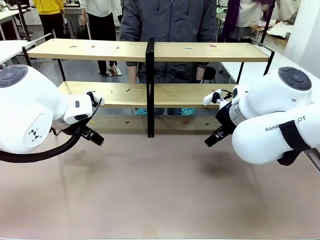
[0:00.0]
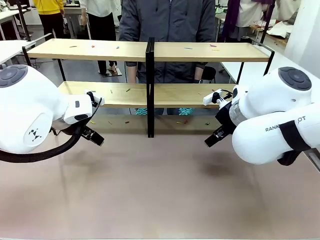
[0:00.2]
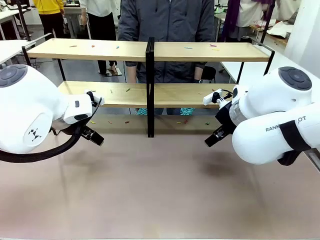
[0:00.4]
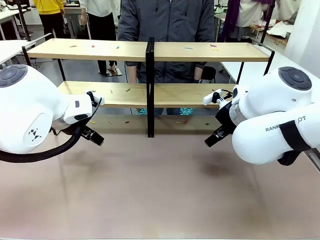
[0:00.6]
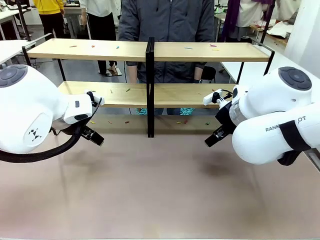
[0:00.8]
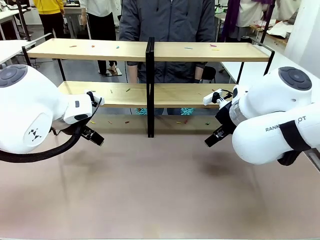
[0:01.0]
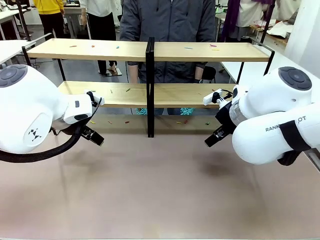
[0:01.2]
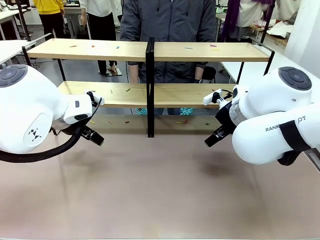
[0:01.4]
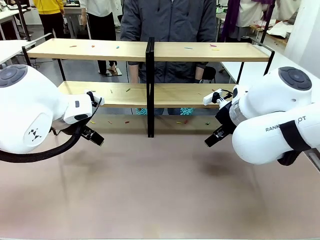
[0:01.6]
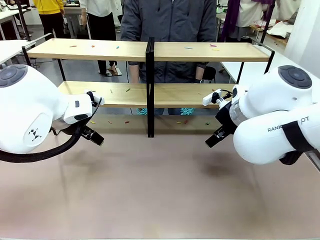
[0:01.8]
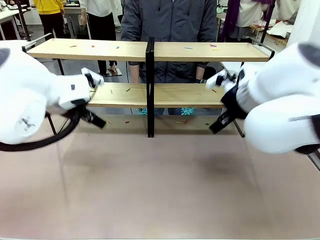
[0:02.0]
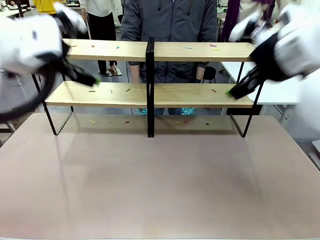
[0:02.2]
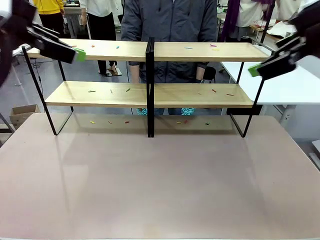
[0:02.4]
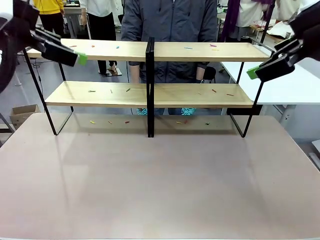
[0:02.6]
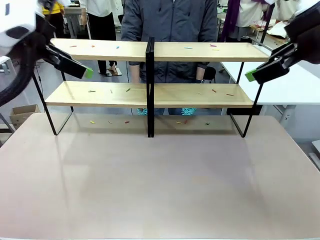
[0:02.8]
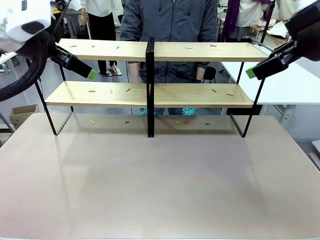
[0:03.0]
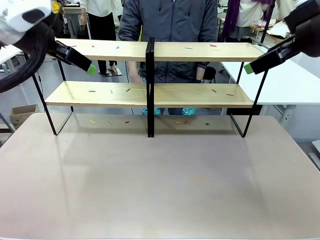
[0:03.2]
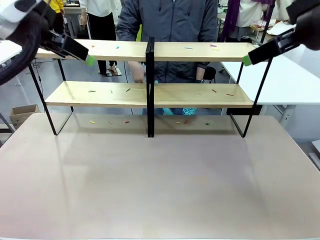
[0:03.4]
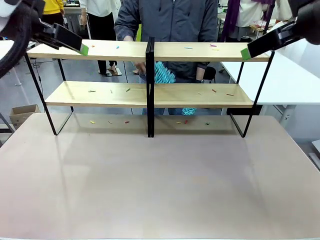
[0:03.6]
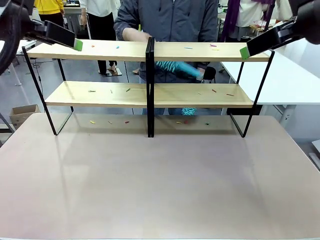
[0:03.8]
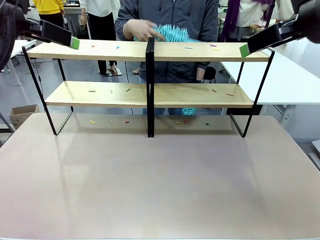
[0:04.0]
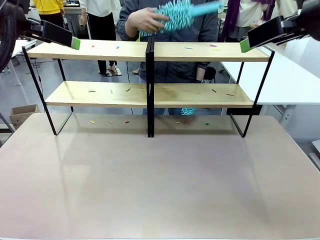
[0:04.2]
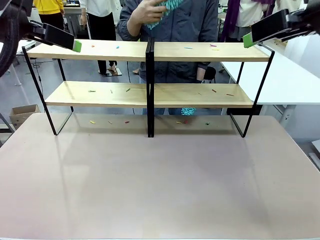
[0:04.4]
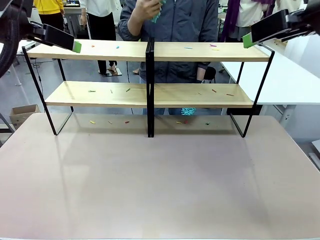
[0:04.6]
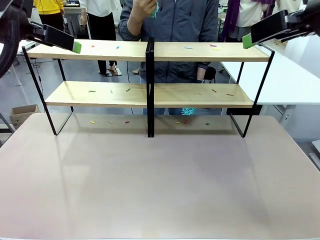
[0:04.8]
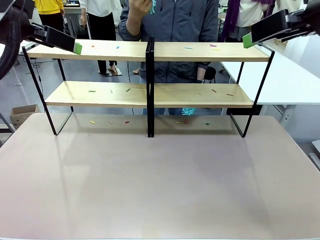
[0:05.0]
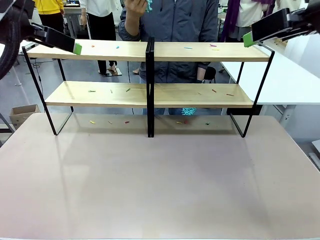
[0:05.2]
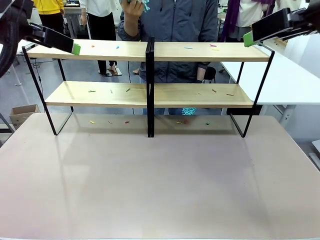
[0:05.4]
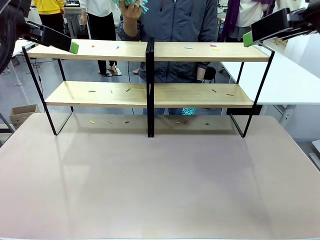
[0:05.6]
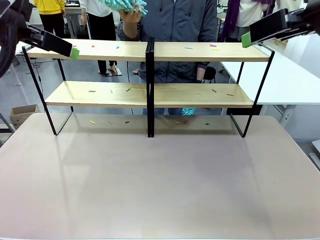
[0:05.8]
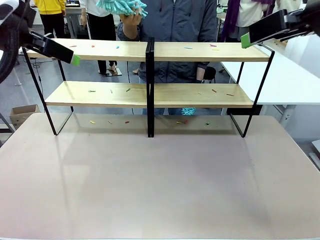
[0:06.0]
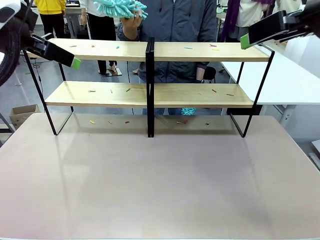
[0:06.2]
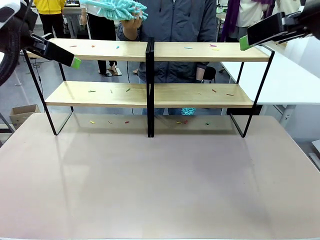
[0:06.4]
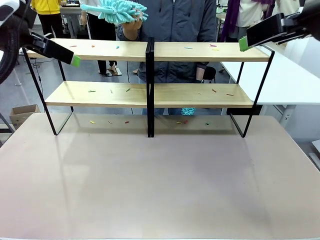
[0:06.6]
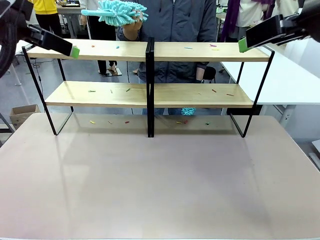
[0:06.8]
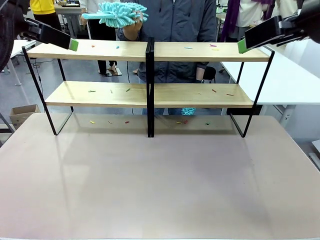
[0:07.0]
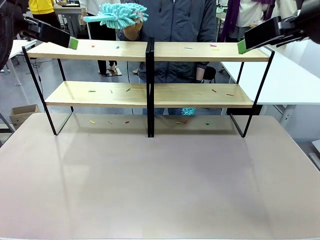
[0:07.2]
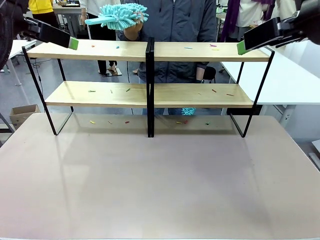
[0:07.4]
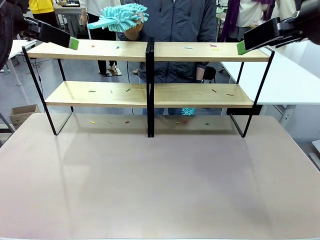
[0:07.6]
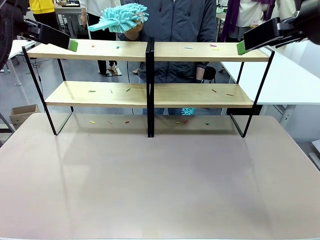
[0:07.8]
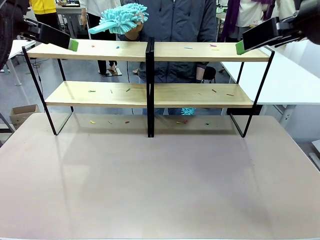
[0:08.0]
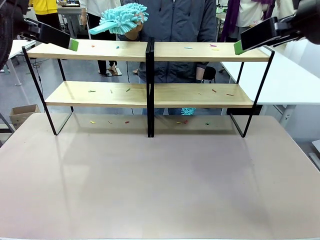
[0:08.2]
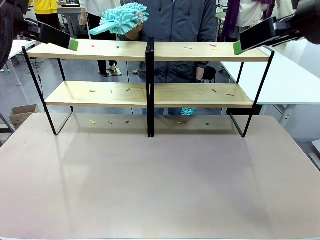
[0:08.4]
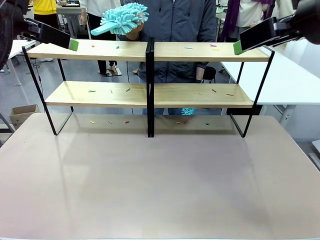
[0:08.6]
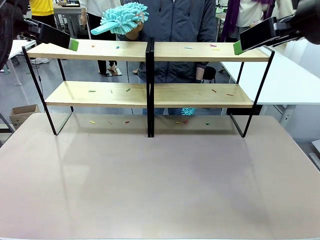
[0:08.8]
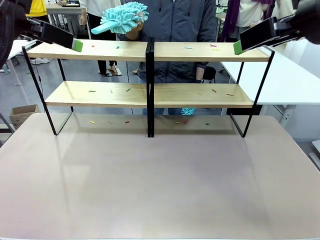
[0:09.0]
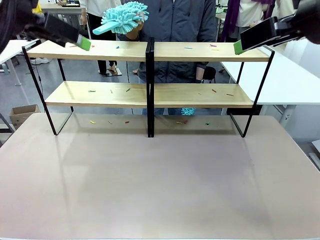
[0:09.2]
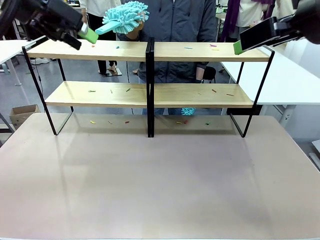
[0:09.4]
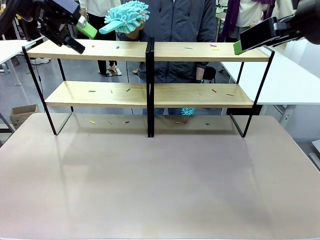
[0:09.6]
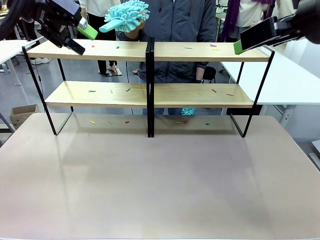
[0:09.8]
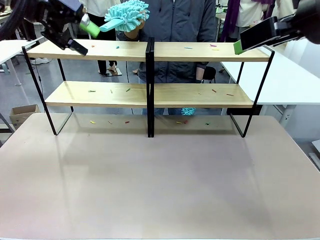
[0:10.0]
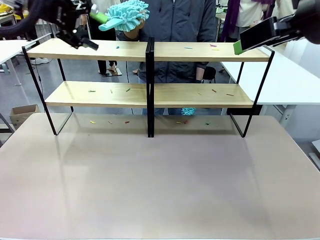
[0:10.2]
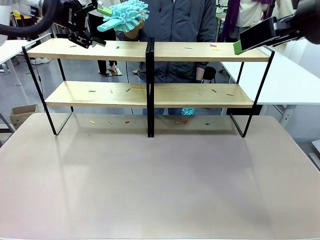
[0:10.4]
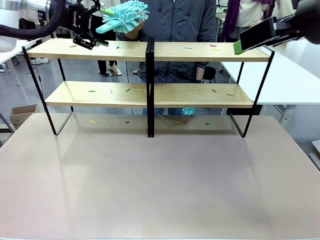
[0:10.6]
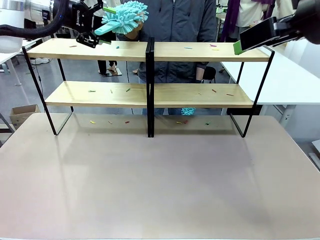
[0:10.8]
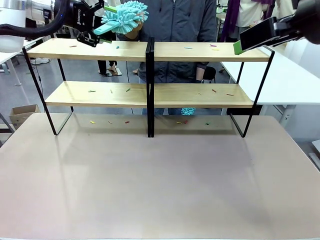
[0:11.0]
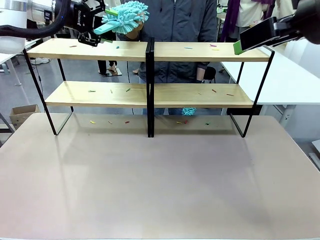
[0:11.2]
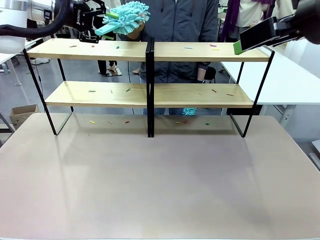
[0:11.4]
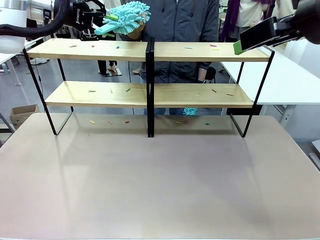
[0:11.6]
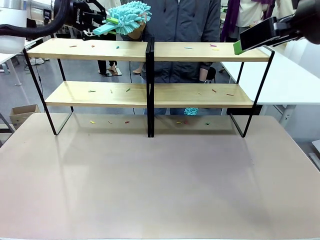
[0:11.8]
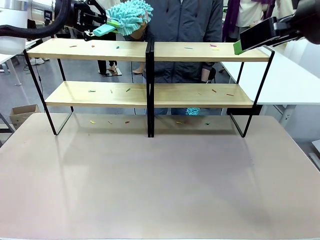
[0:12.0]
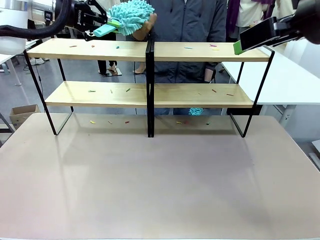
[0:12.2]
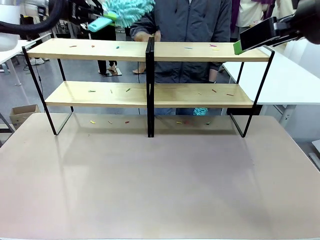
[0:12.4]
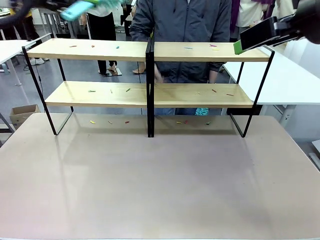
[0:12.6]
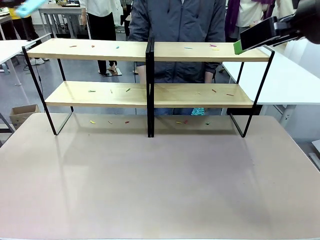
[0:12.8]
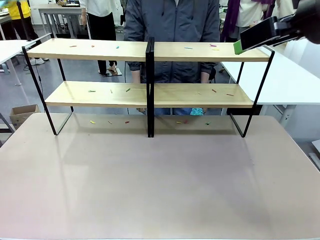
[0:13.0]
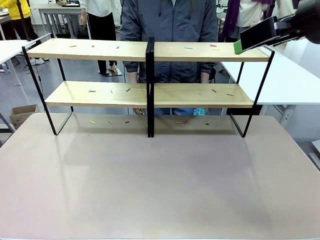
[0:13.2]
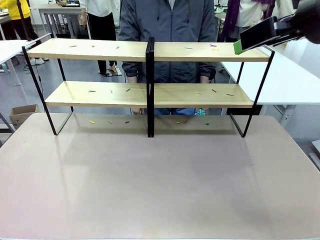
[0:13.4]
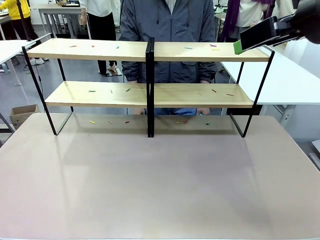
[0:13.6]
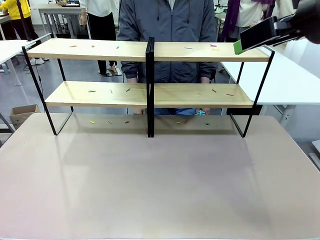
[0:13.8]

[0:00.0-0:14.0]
Task: Clean the shelves.
Robot: Pick up the Duster when the human hands it over.
Person: Hand the Duster to the robot with your right (or left) hand.

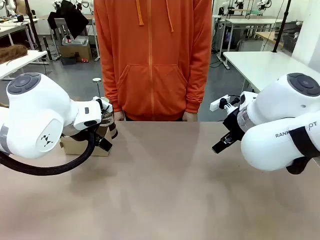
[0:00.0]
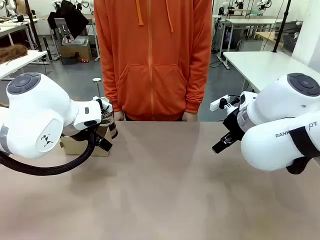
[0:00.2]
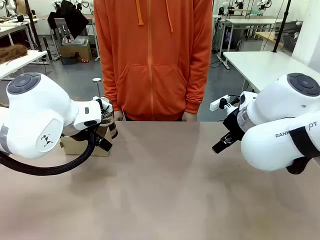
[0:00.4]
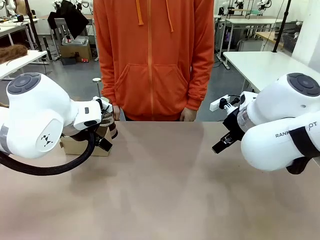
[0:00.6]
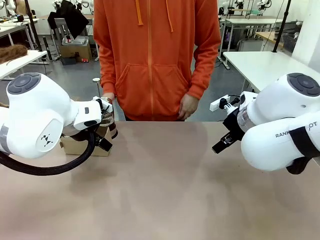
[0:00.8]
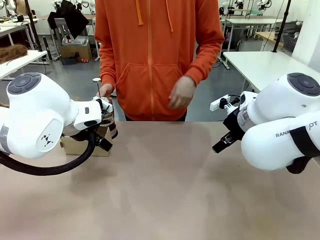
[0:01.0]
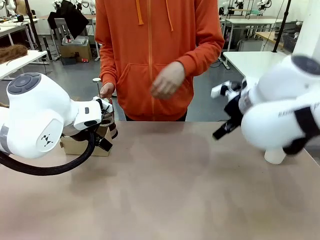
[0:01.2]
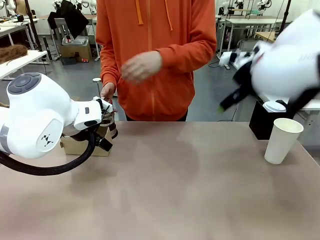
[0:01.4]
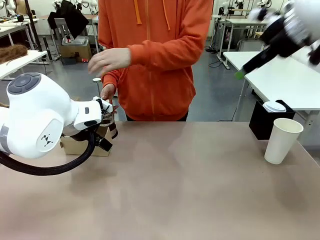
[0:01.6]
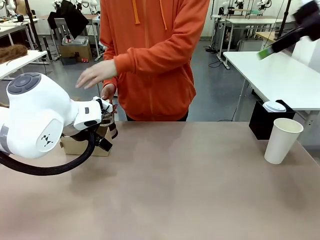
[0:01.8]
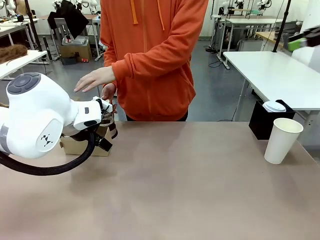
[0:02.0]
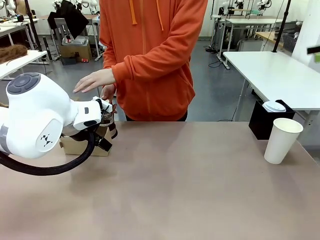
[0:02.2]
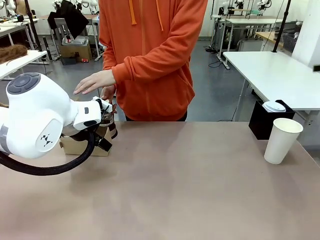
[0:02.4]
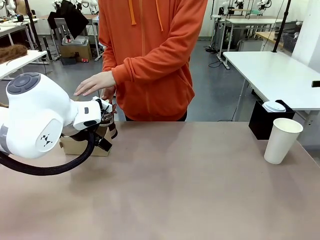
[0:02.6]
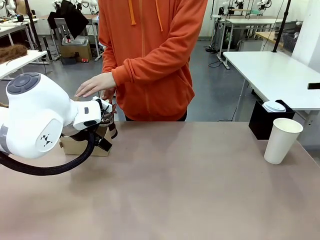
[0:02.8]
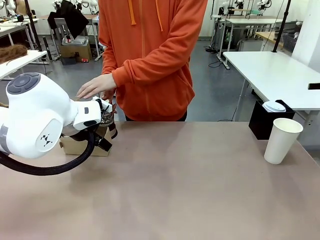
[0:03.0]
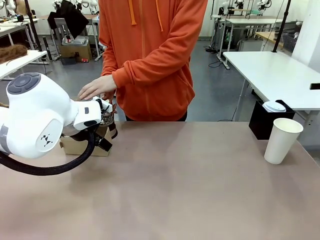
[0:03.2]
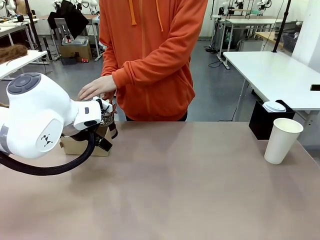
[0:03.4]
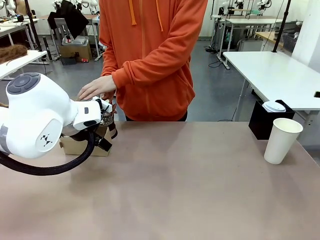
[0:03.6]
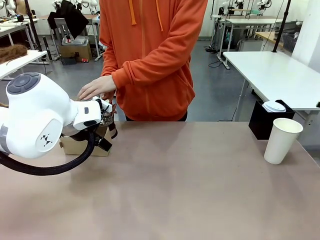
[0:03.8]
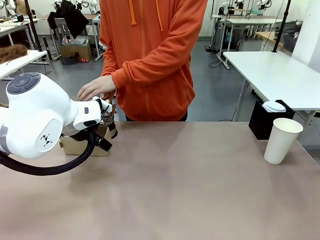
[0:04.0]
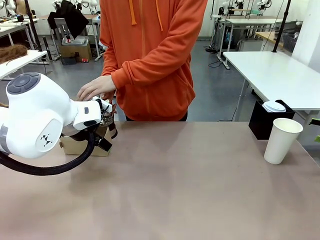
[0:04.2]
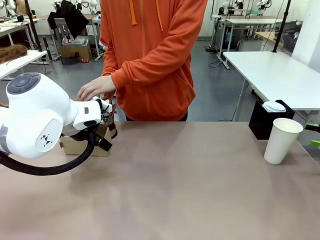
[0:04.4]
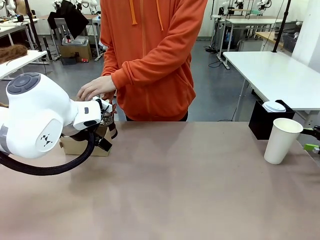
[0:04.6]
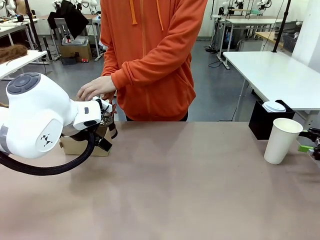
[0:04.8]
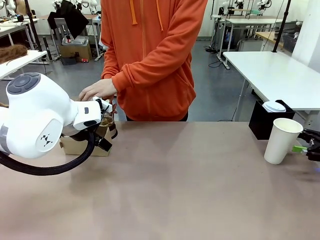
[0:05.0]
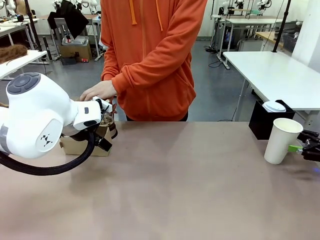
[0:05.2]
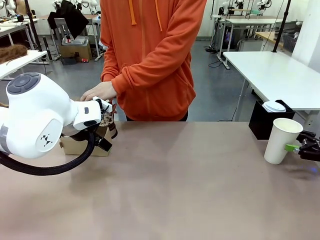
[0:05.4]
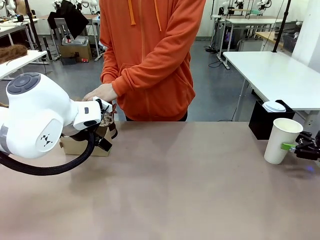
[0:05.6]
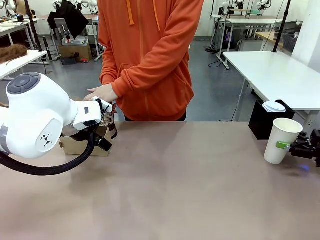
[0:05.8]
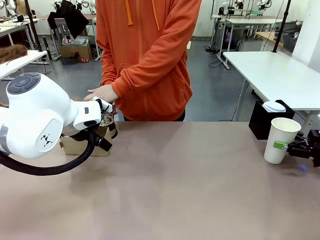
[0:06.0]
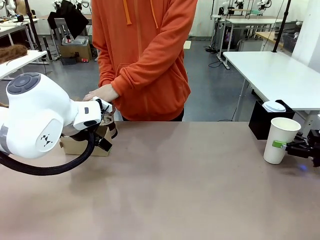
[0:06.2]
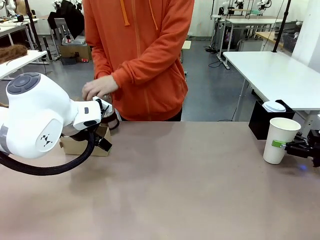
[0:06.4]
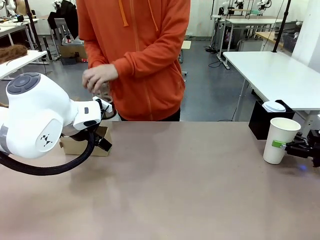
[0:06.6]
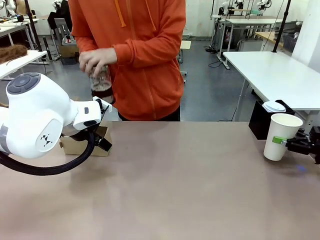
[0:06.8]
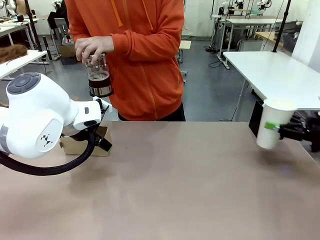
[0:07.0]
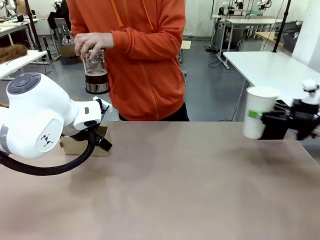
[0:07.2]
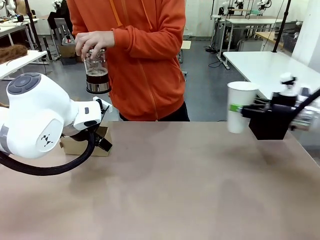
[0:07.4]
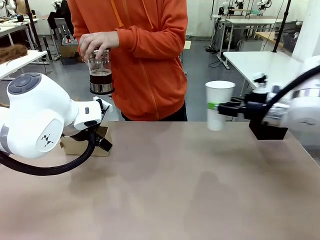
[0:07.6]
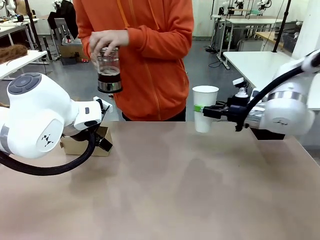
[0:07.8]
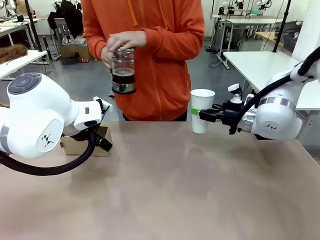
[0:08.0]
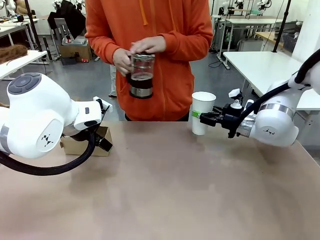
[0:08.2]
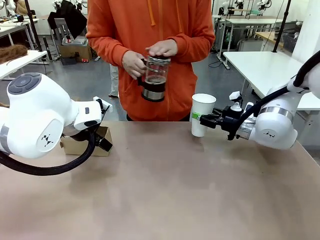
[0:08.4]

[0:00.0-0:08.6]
Task: Pour a drink into a cup and package it in a carrier.
Robot: Pick up the 600 ml Paper Cup and place it in the middle top area of the table.
Person: Press and pick up the Filter Brewing.
